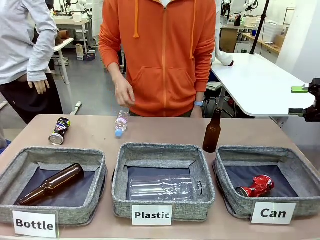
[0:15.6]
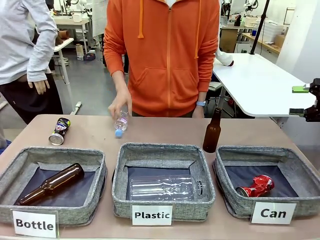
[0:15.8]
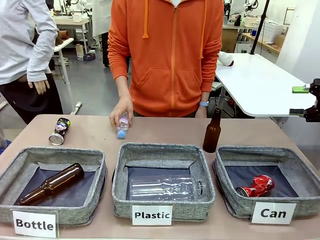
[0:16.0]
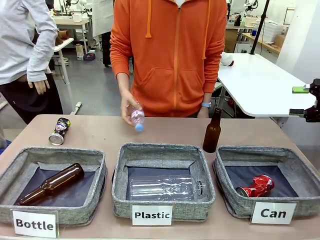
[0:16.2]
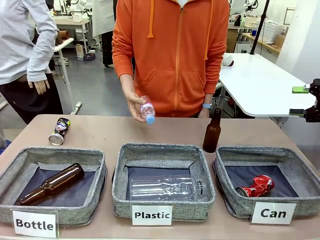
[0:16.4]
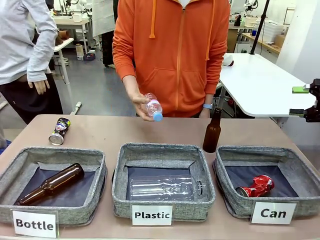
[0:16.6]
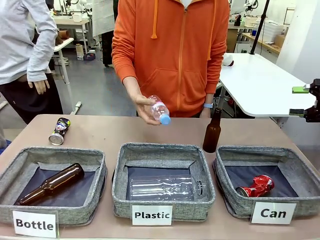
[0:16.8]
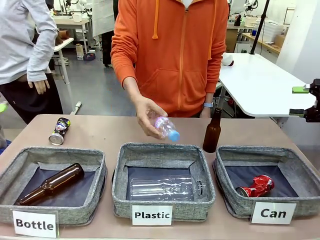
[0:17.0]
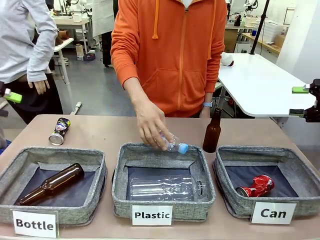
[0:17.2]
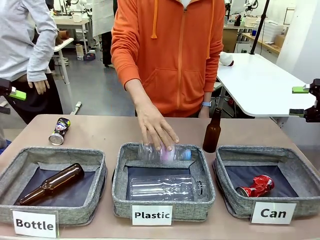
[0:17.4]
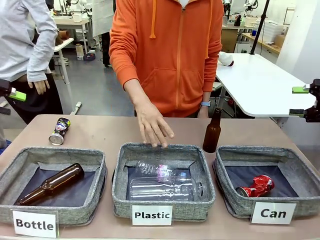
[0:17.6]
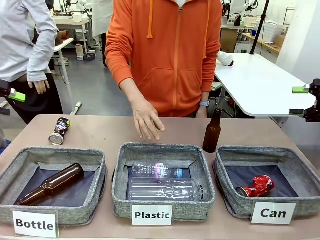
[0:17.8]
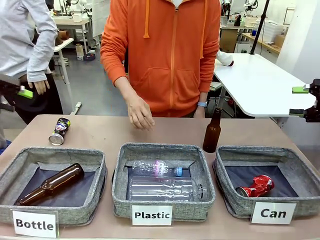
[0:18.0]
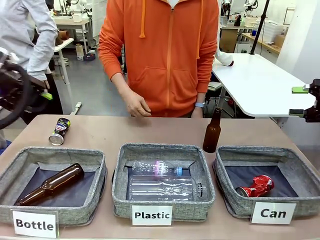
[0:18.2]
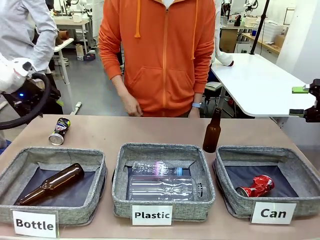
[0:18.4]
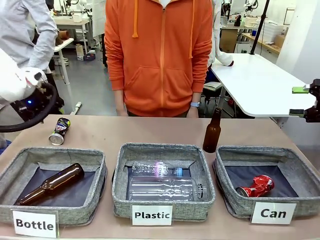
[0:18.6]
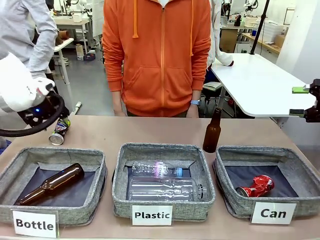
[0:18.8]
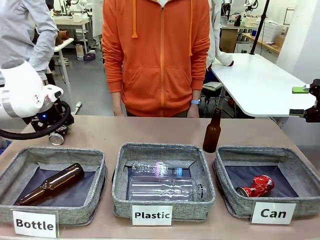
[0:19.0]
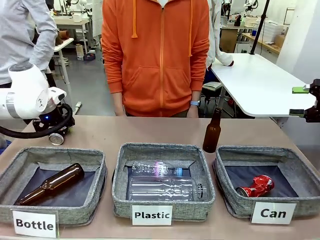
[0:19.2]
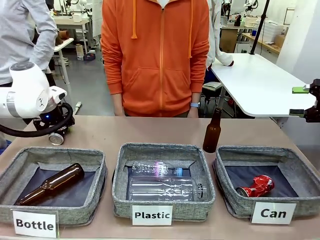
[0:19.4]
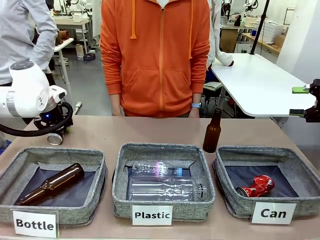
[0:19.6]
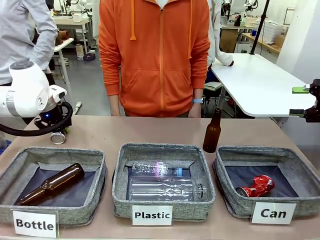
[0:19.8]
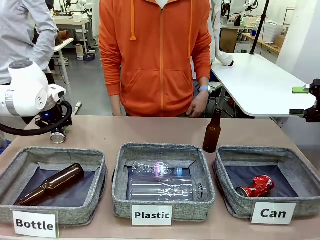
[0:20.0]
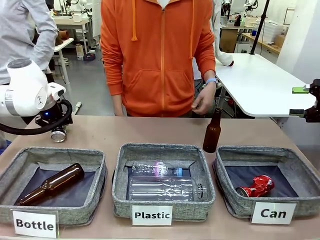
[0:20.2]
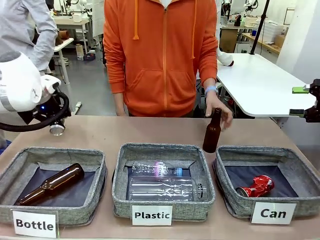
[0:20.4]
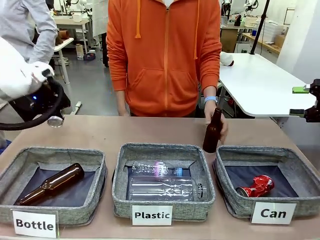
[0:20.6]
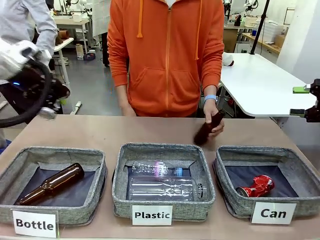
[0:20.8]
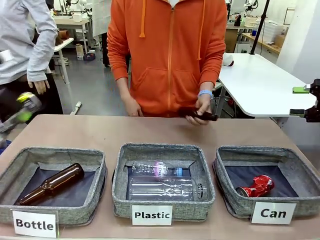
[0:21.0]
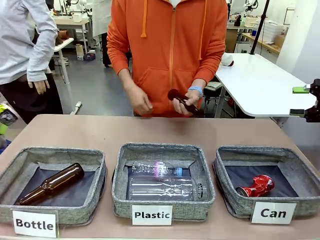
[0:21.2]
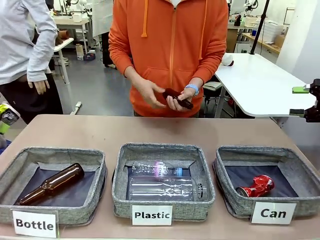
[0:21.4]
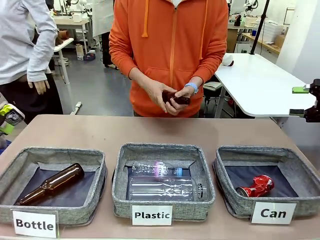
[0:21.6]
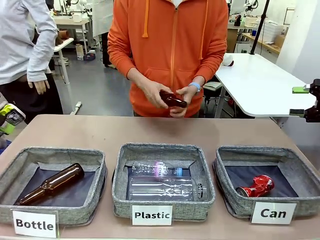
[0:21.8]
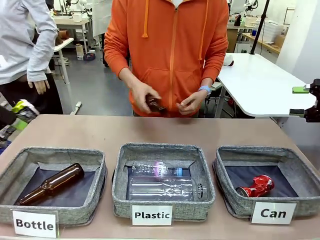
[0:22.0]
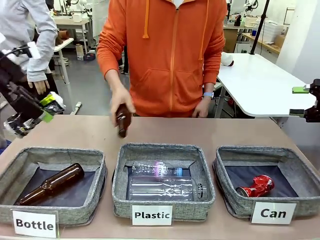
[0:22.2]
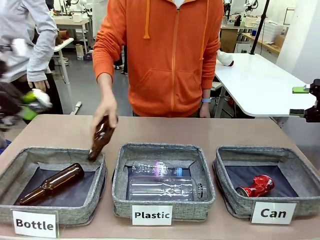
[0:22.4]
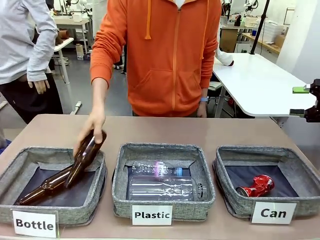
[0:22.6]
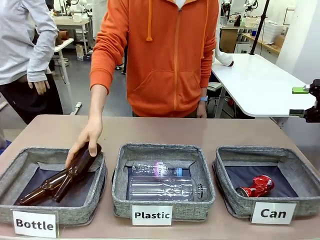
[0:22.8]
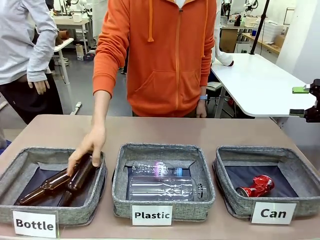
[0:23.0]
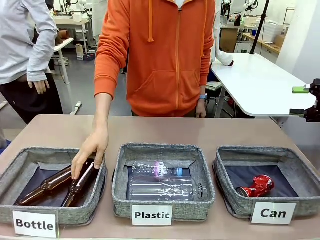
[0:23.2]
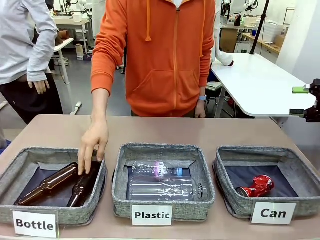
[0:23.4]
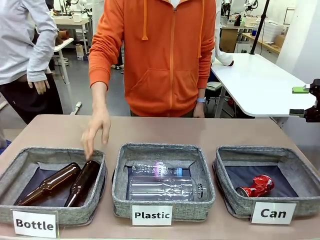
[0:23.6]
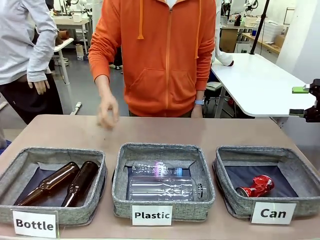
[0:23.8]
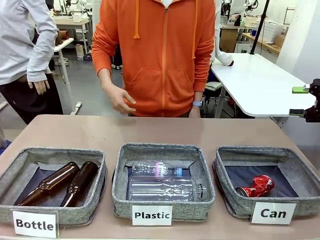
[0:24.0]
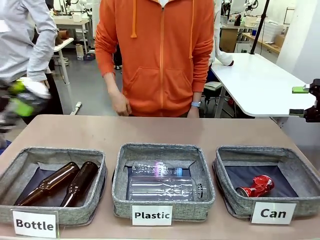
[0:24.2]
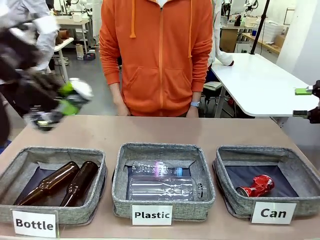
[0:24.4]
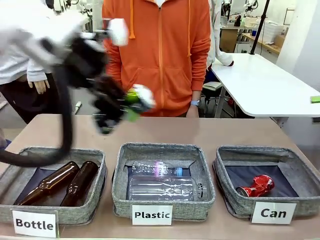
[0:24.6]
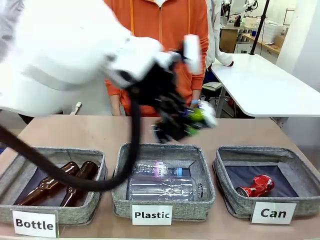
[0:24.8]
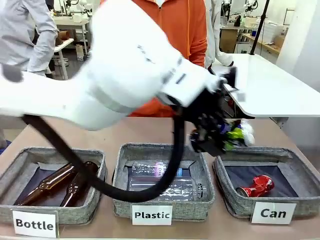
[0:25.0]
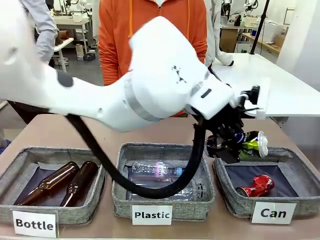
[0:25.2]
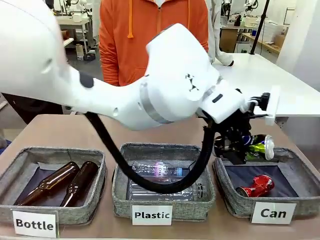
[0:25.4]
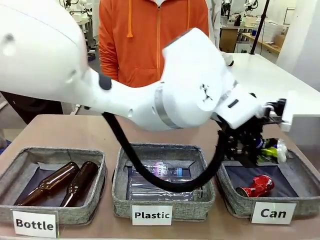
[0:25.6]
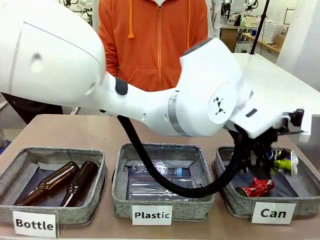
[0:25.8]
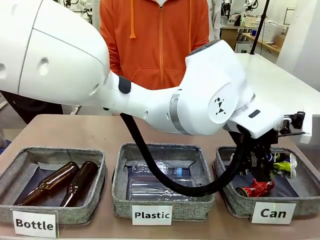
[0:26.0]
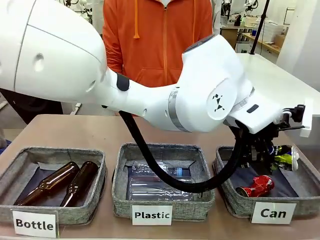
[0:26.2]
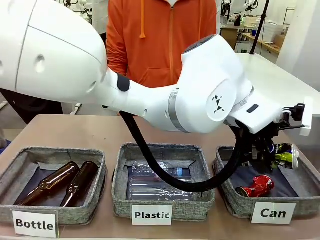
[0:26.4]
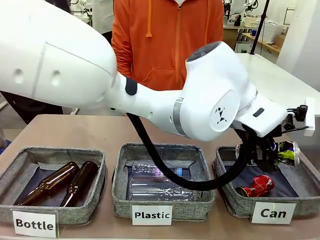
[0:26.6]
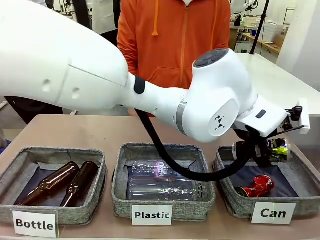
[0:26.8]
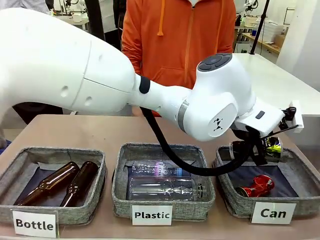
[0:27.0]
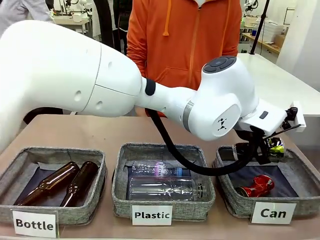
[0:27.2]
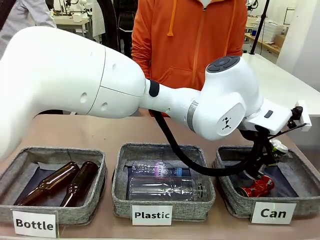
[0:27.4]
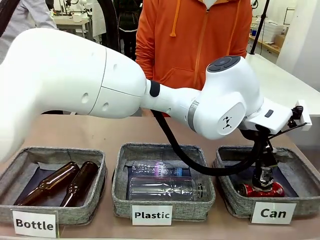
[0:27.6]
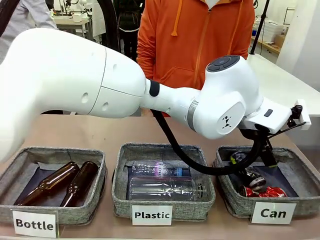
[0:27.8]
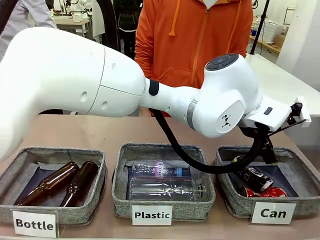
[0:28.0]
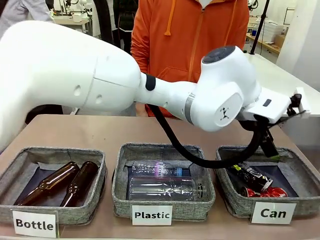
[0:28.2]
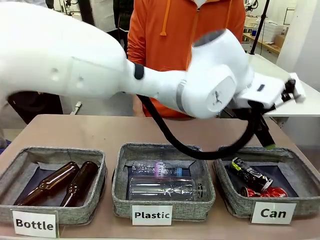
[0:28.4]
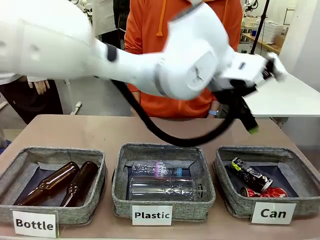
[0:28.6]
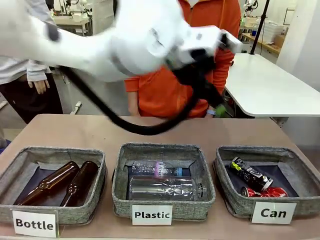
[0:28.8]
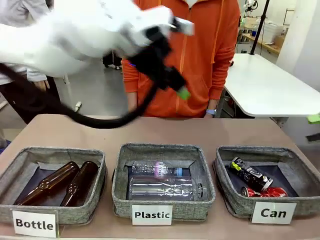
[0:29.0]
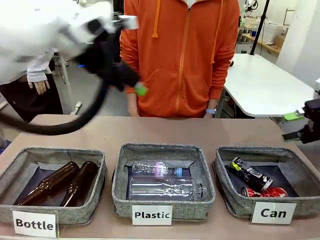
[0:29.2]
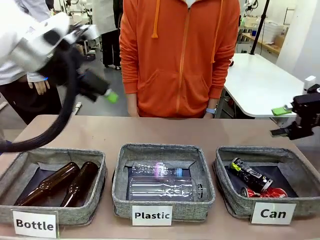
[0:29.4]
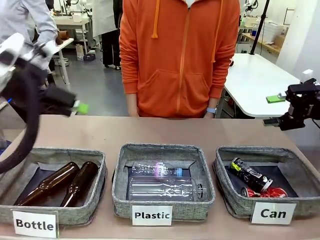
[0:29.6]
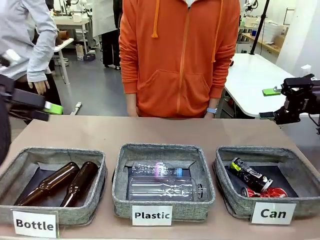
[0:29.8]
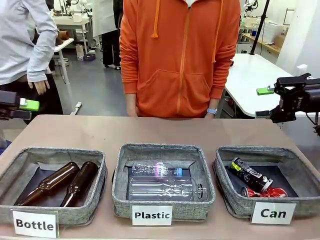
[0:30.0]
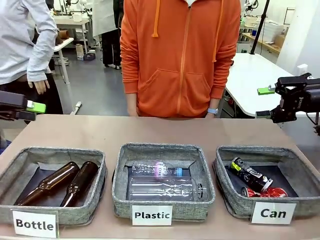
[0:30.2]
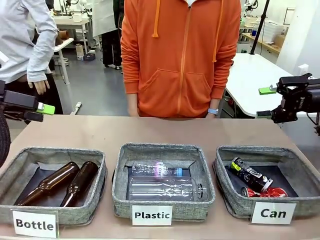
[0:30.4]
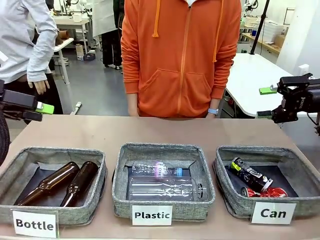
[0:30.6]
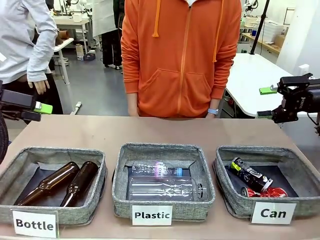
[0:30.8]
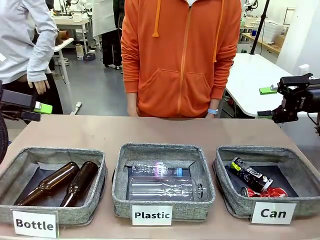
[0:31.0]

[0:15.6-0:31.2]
Task: Sort the can waste into the basket.
Robot: Pick up the can waste from the table and place it in the right Fabric basket.
